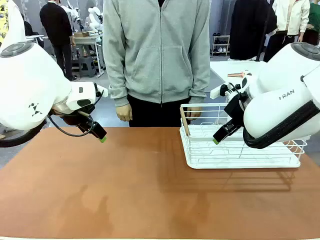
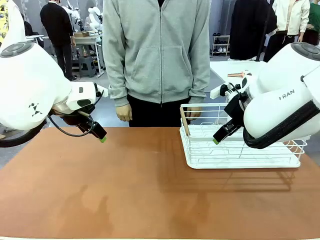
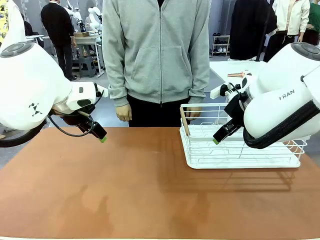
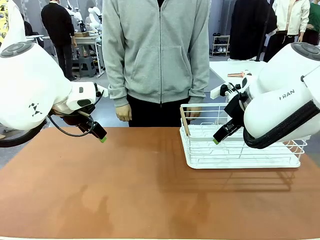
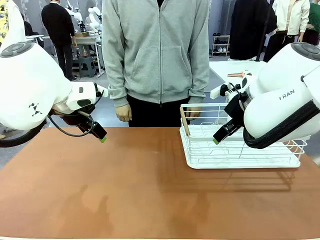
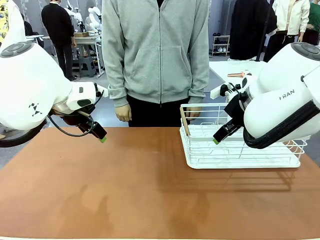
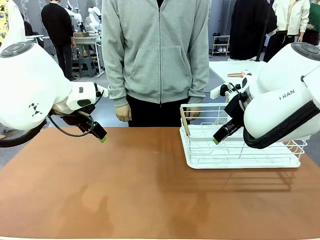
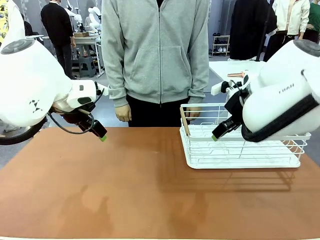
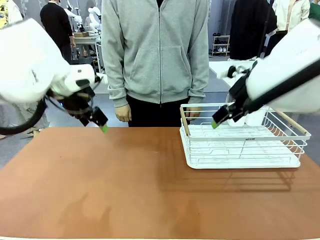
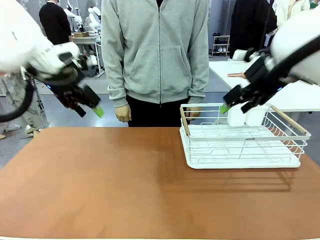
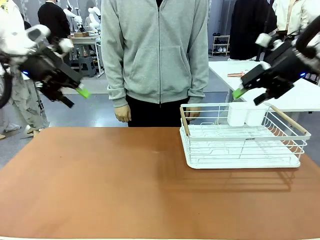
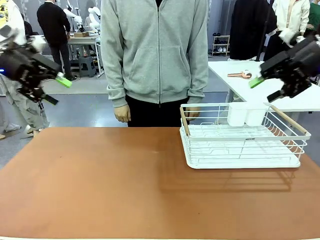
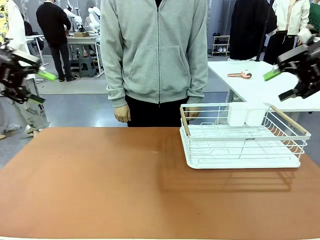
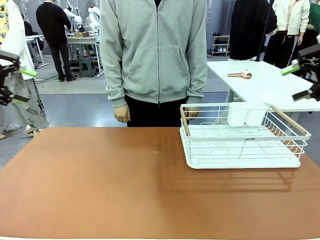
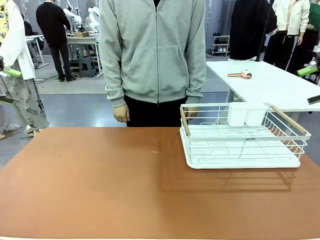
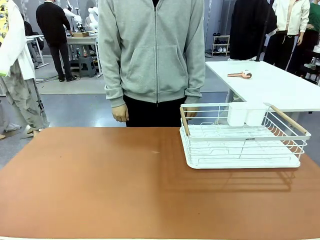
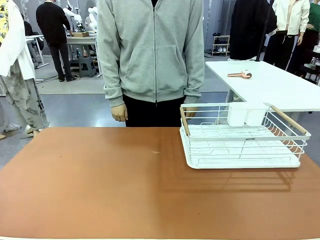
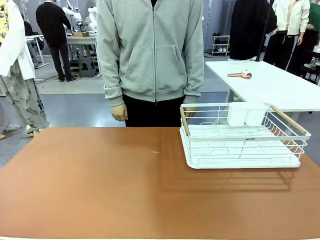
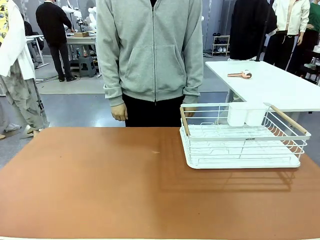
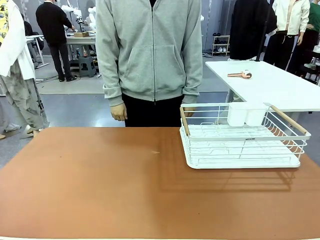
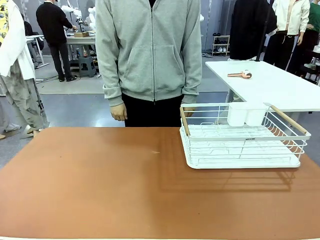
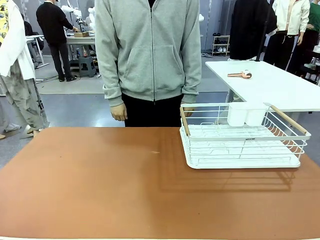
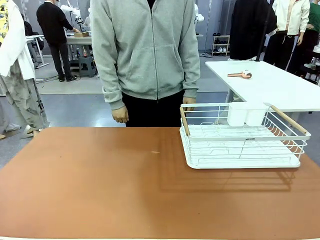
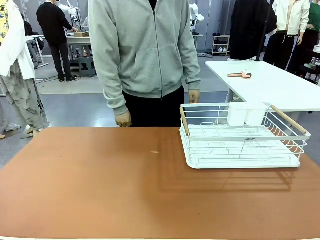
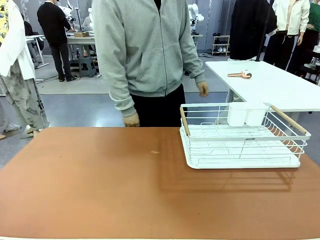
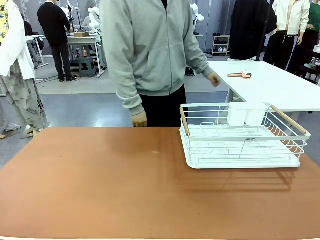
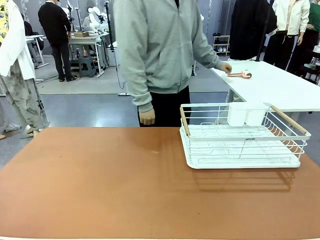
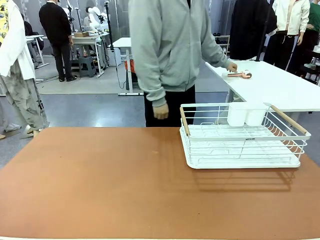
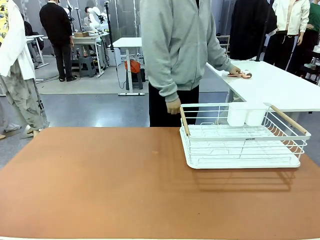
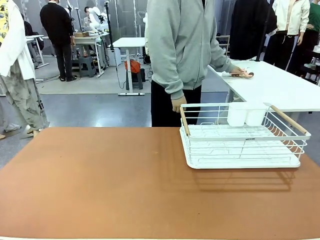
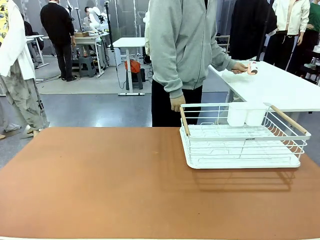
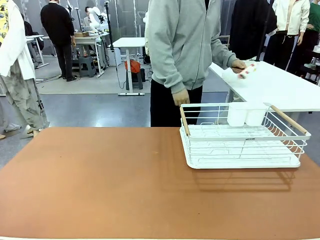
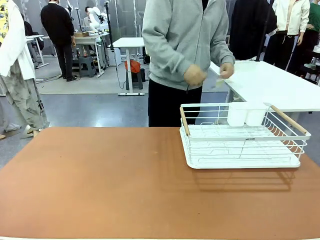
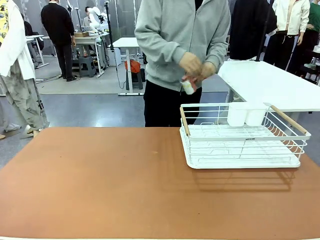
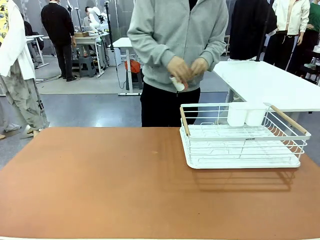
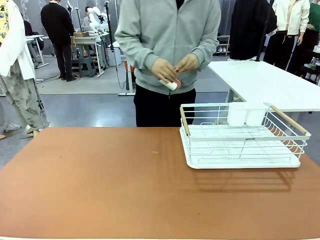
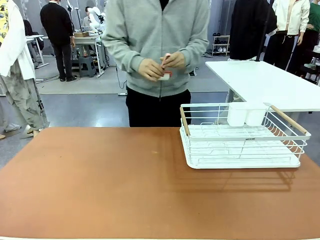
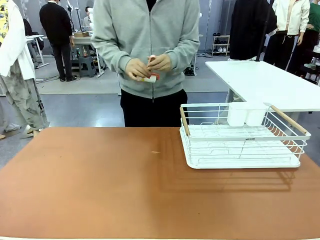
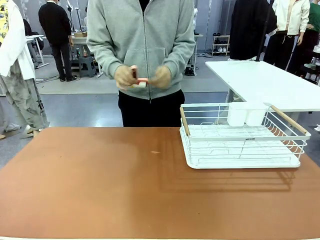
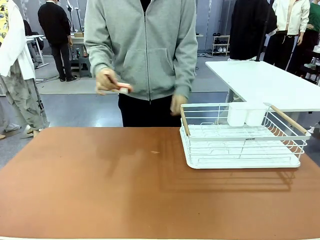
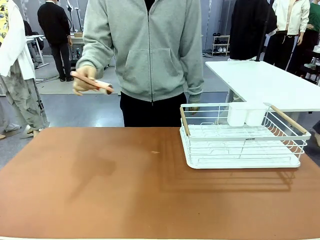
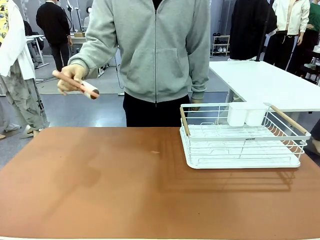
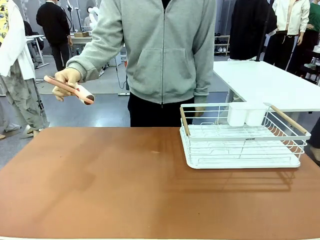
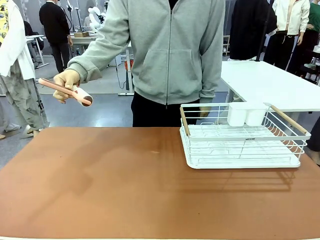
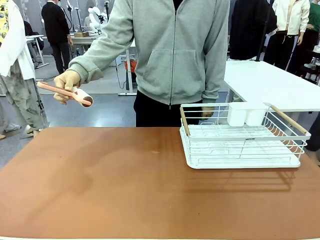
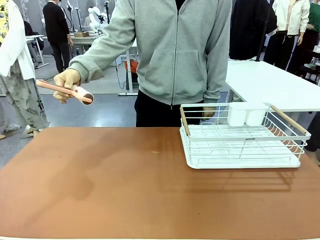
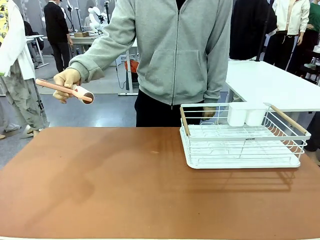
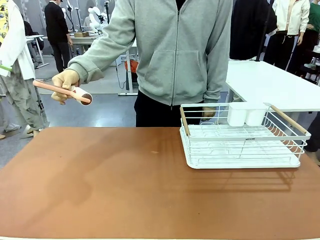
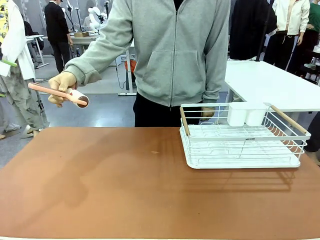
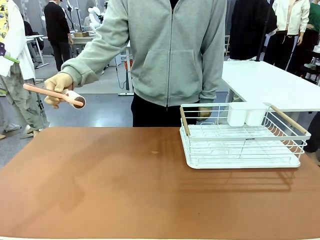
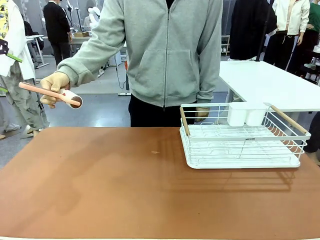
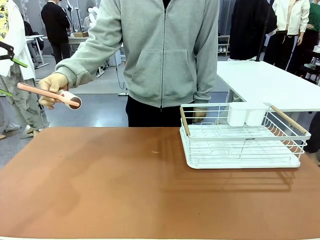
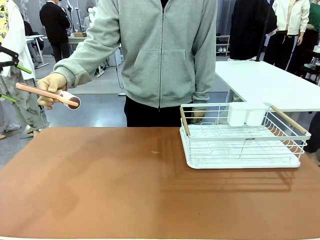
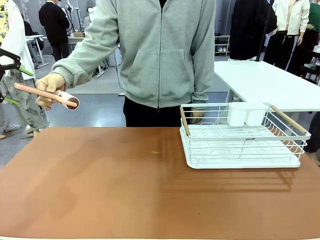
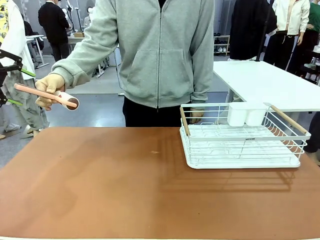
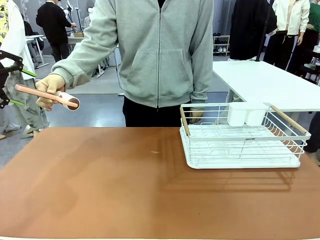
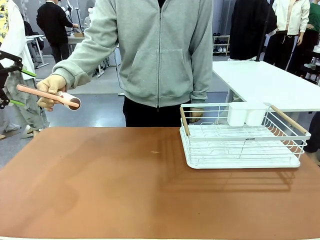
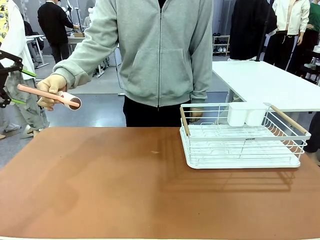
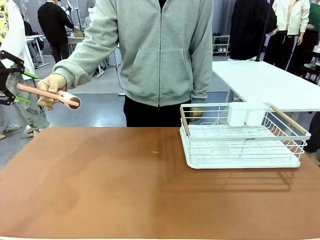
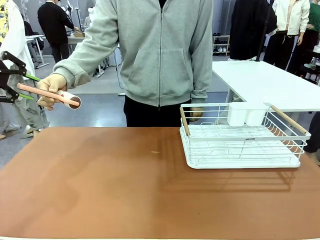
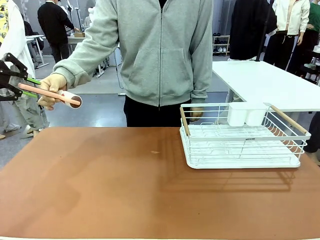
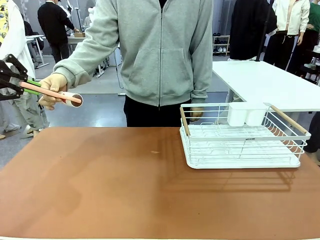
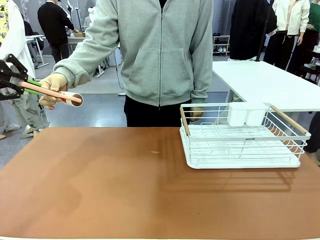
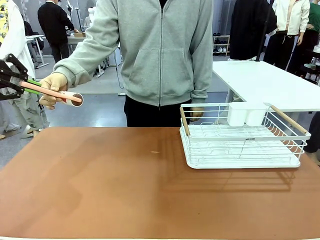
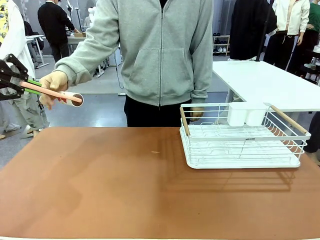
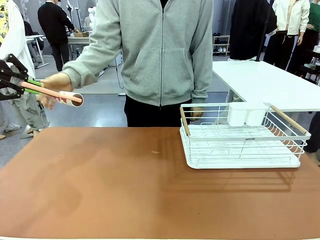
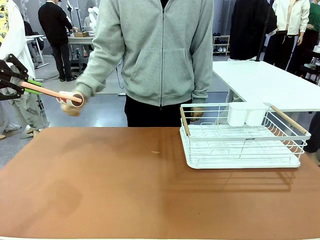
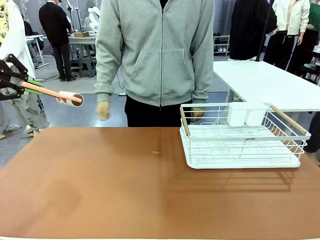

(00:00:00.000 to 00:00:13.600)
Task: Clean the table.
Robot: Pick up the Lint Roller when the human hands it over.
Person: Hand the Lint Roller to the robot so it can easily pick it up. Lift the Dish drying rack.

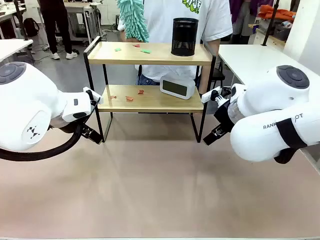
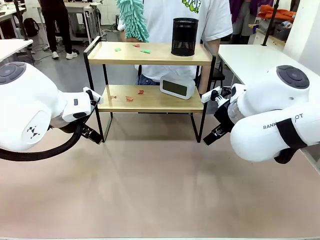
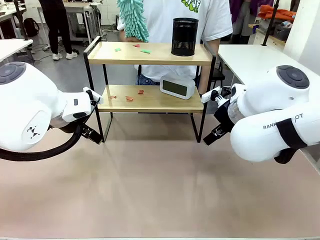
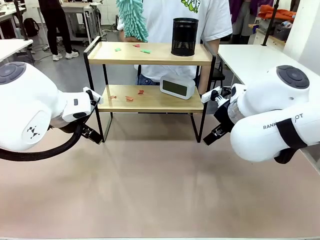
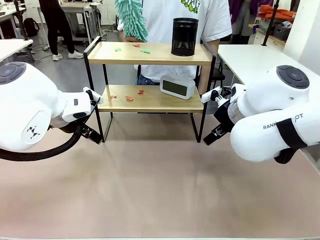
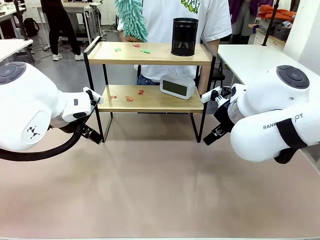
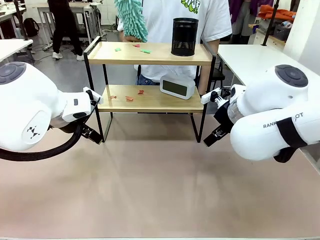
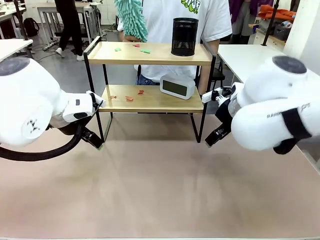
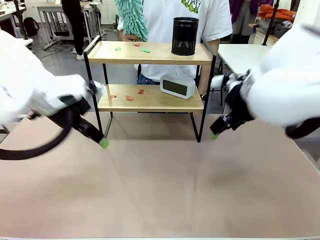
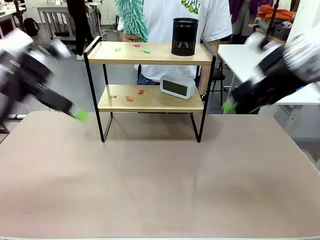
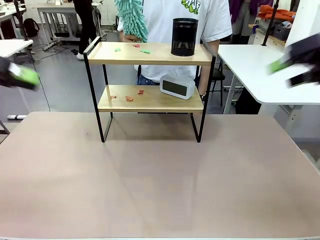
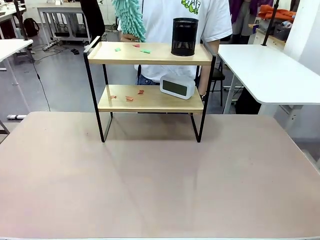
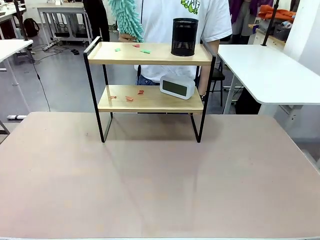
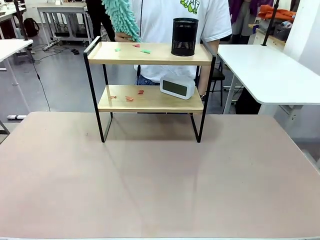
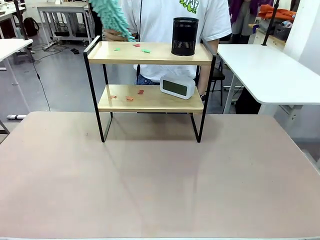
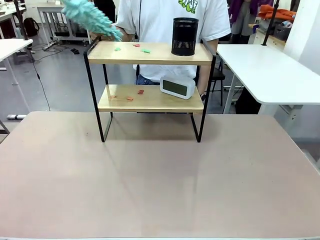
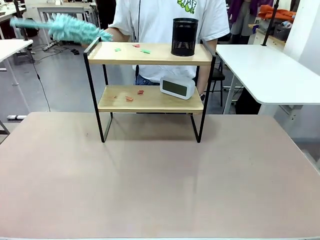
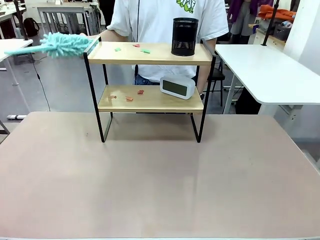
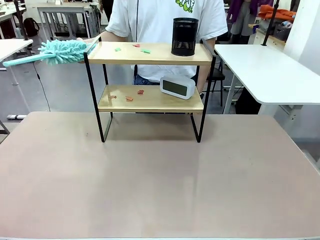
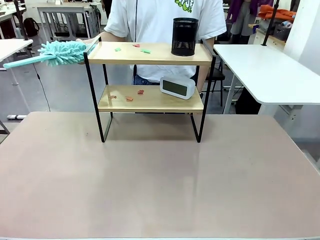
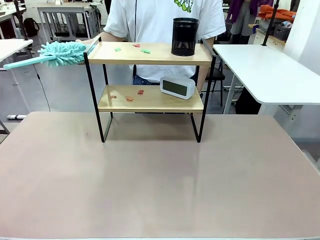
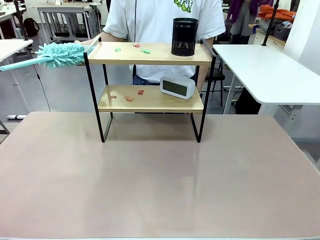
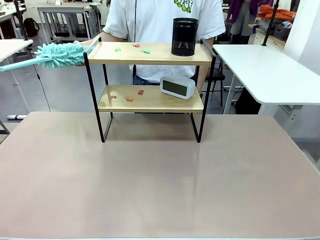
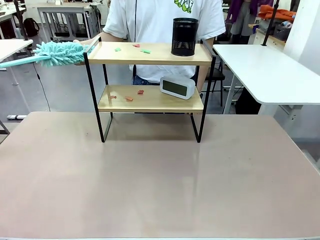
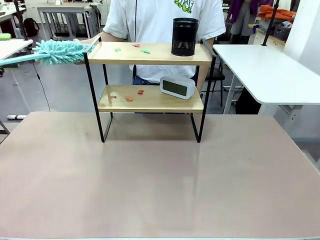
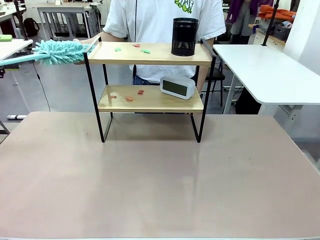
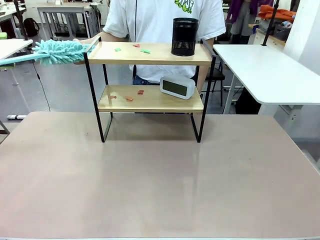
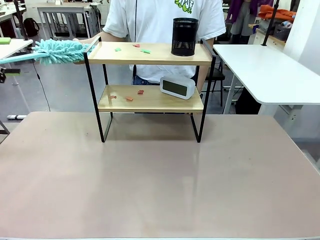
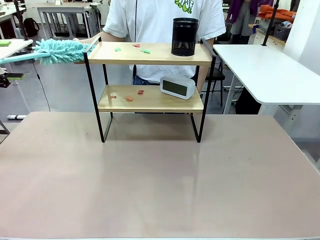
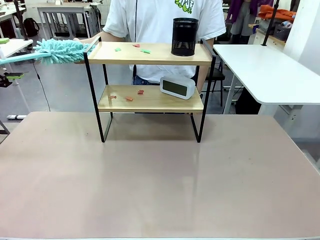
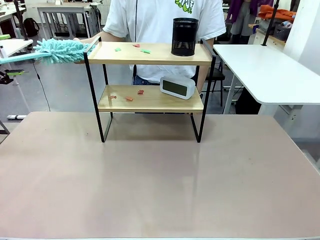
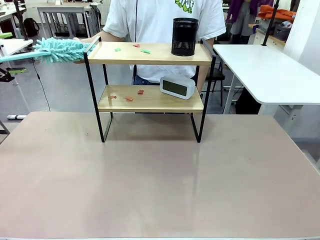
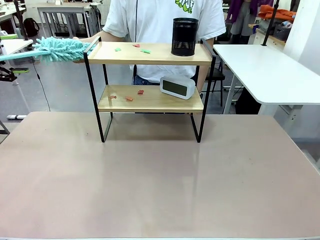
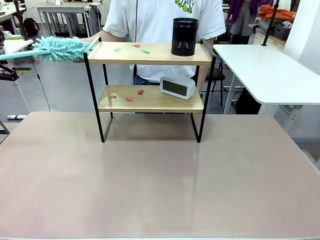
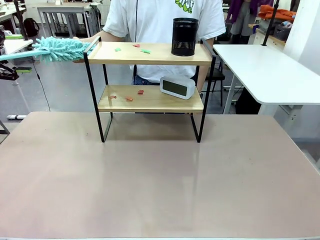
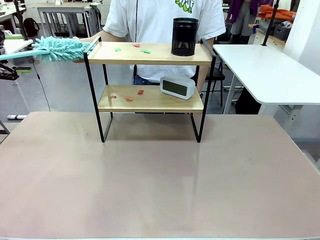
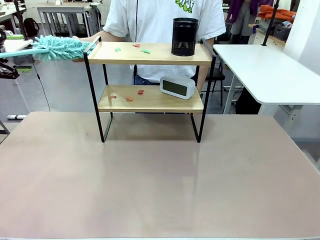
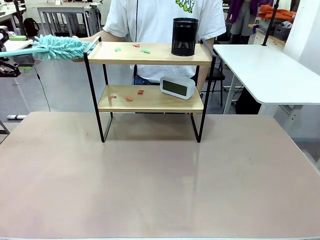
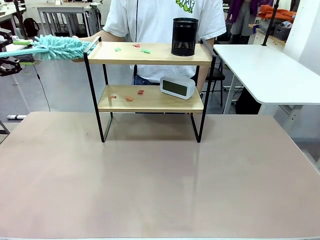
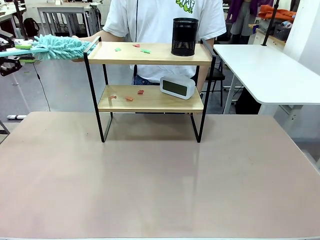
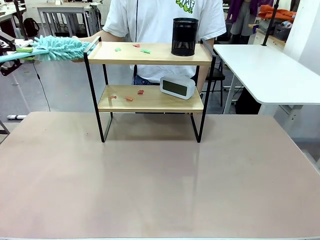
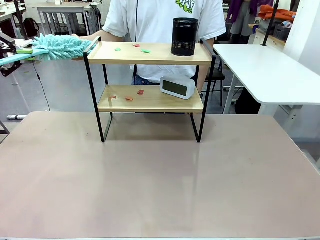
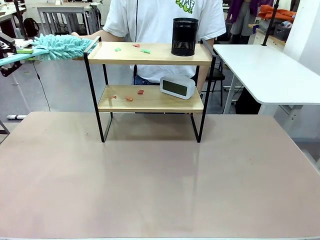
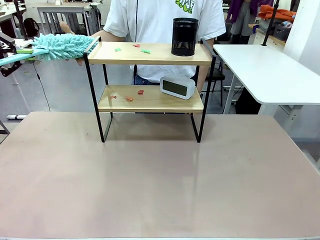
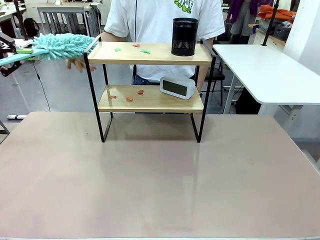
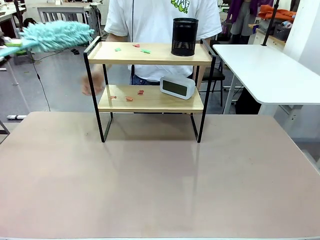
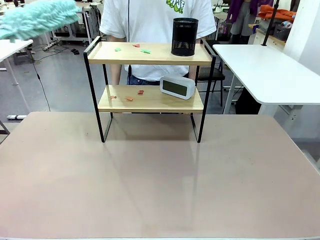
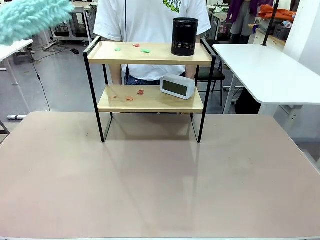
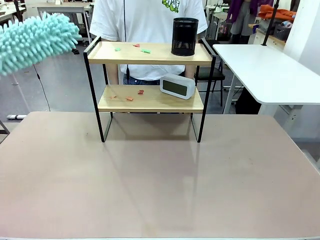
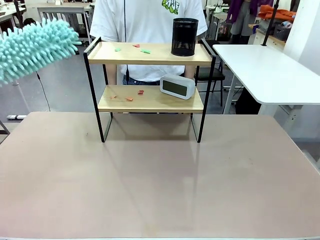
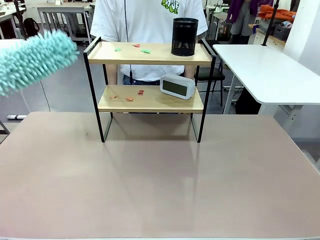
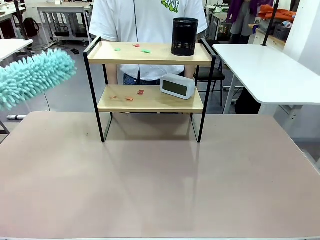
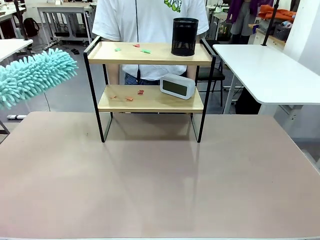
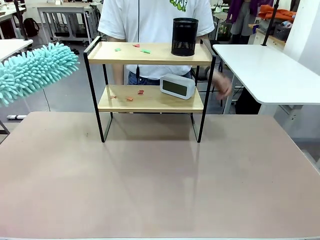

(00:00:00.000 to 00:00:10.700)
Task: Clean the shelf.
Robot: Pick up the Duster from the human.
Person: Hand the Duster to the robot.
